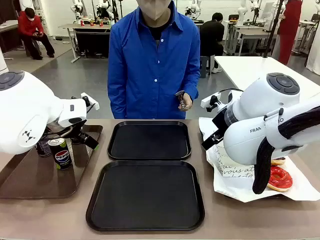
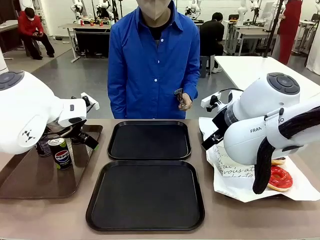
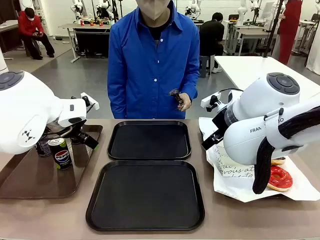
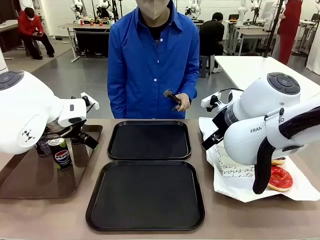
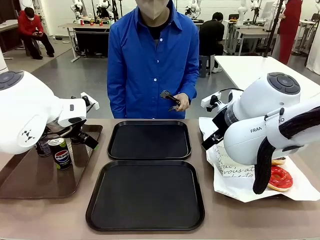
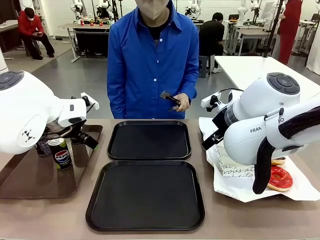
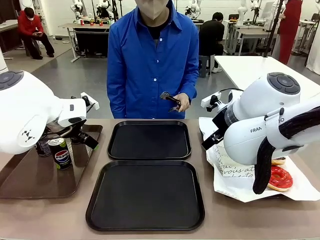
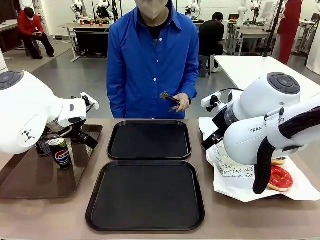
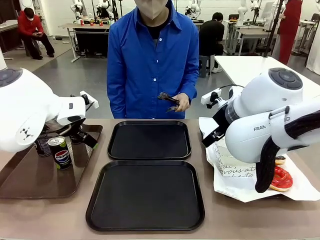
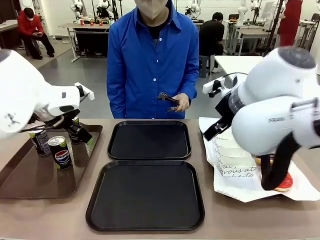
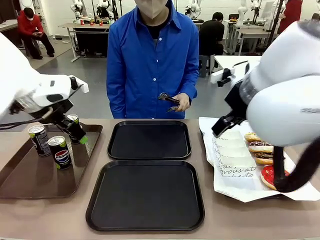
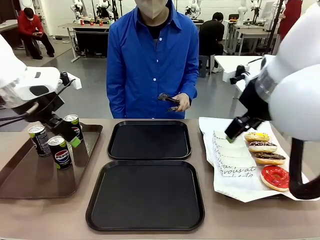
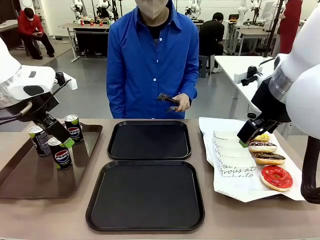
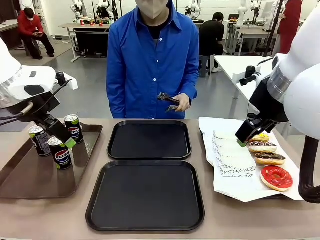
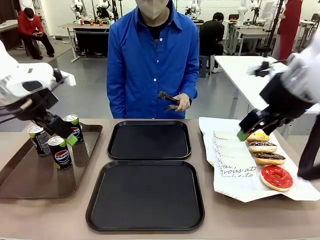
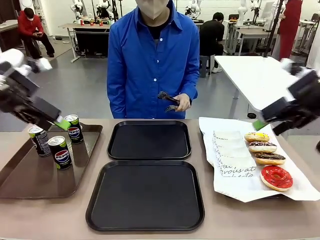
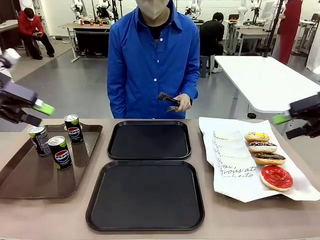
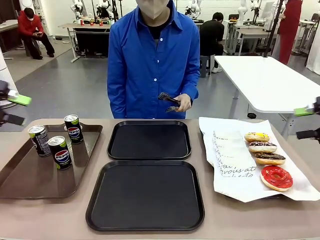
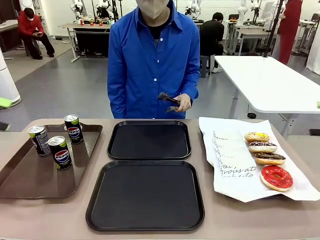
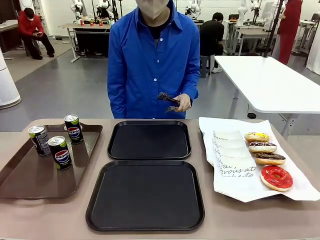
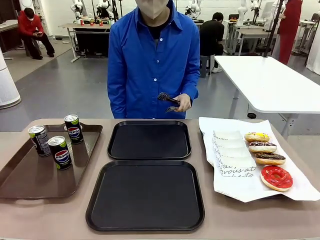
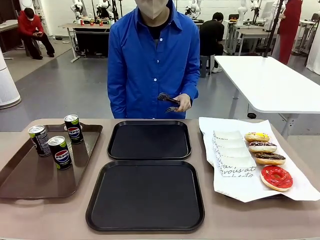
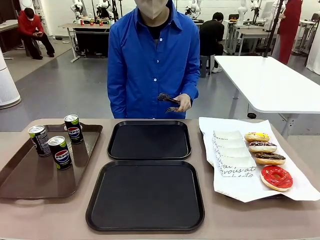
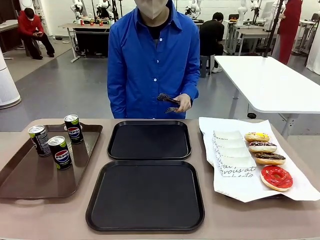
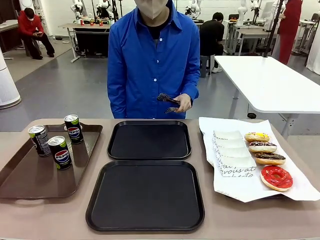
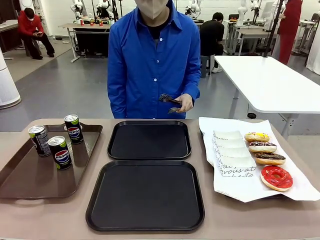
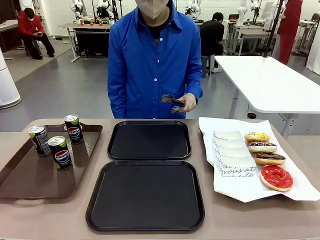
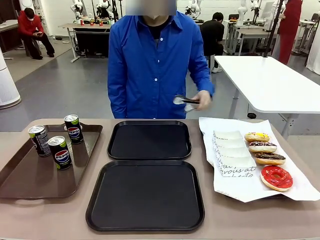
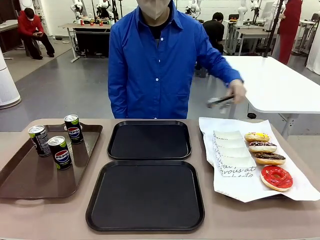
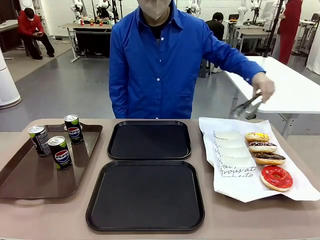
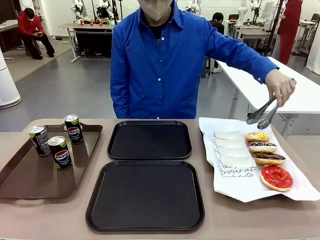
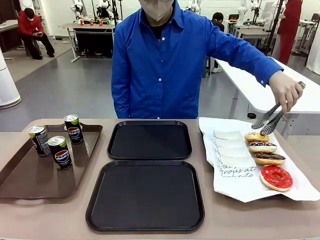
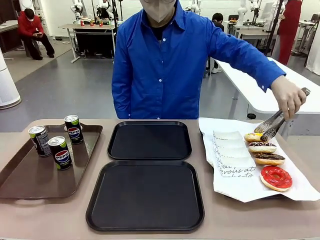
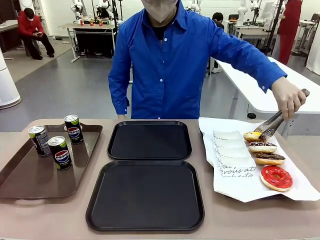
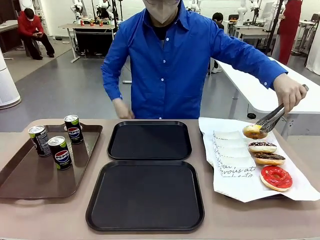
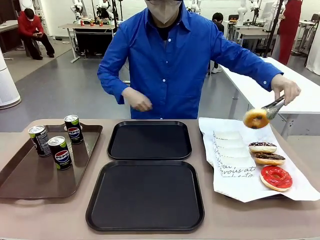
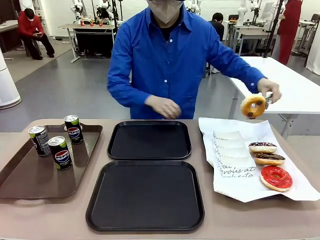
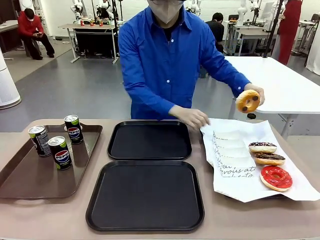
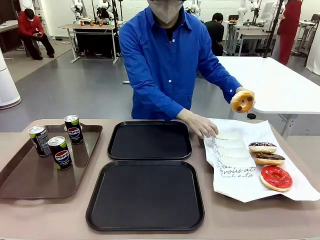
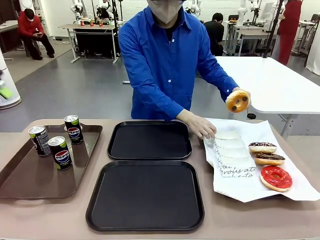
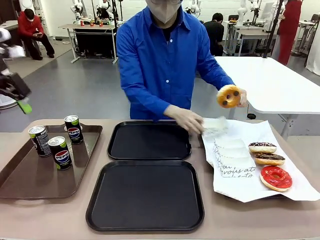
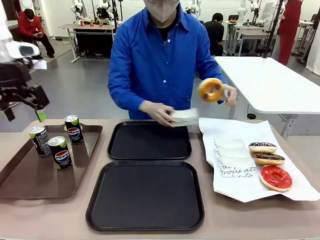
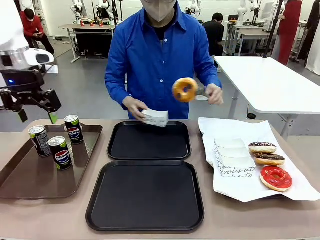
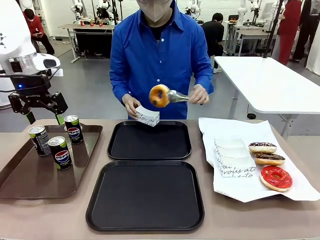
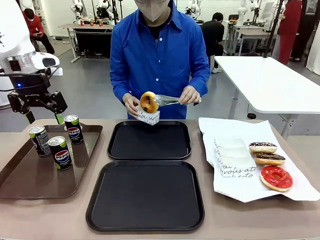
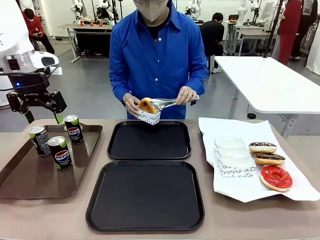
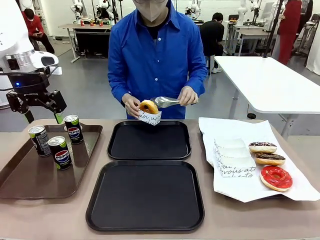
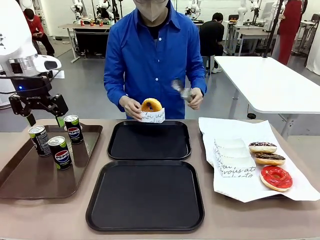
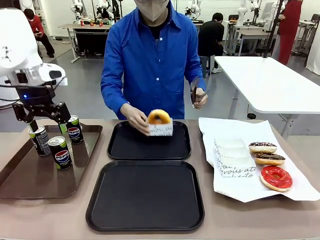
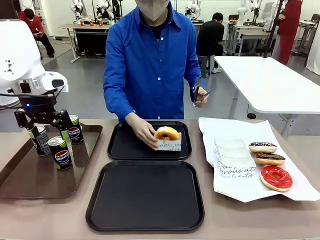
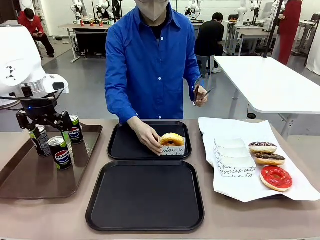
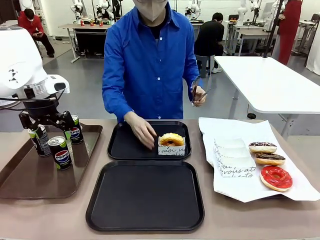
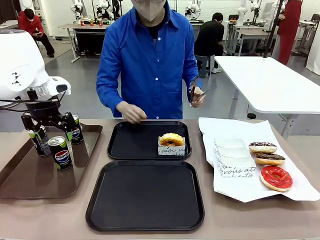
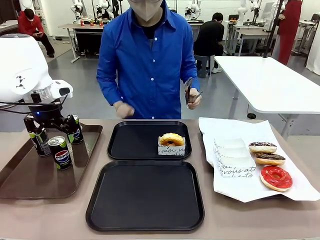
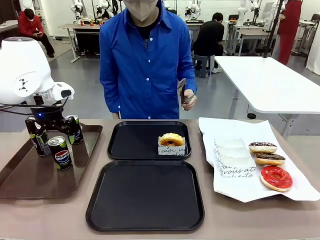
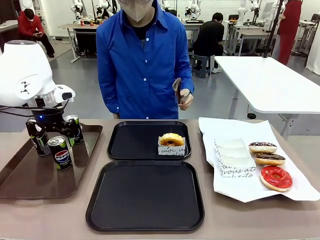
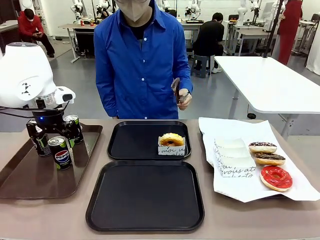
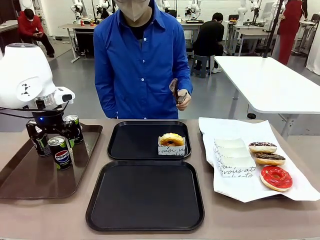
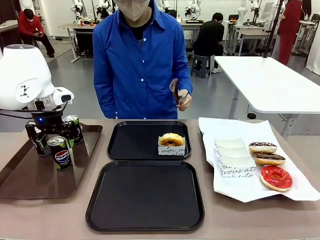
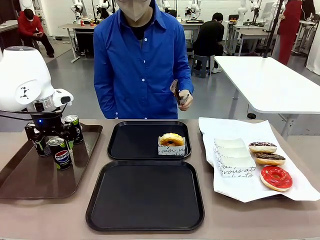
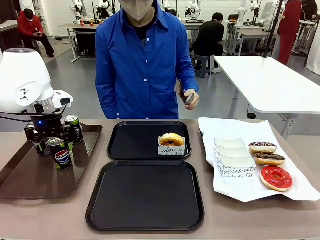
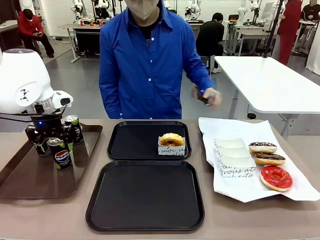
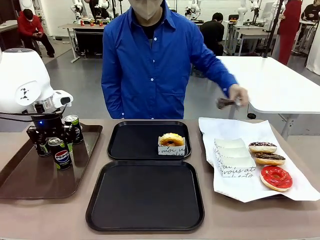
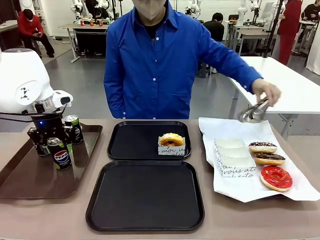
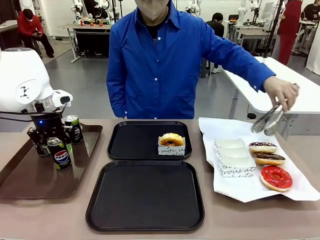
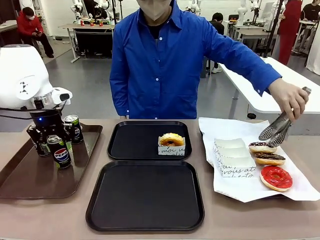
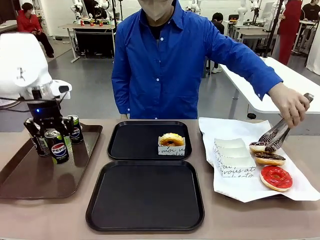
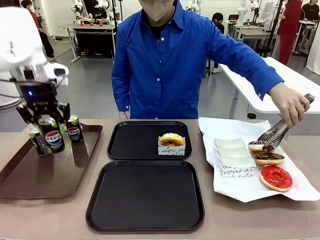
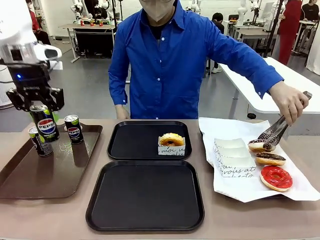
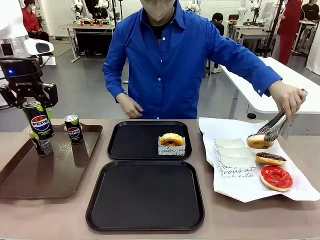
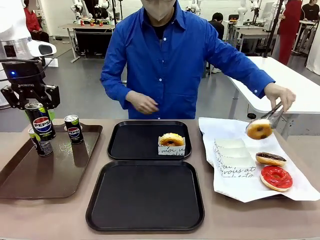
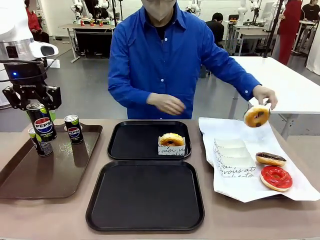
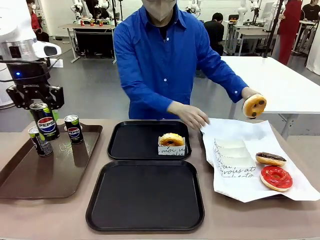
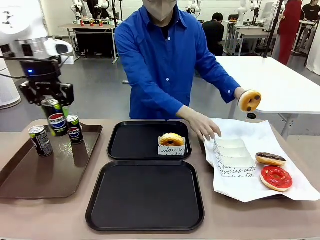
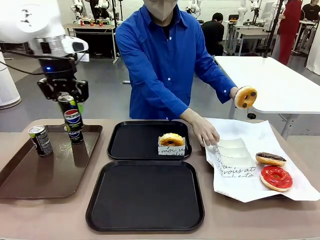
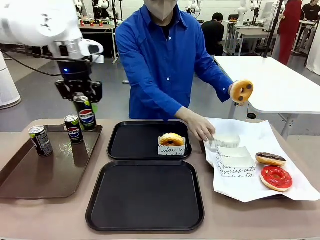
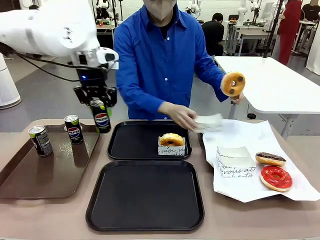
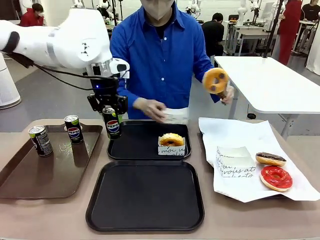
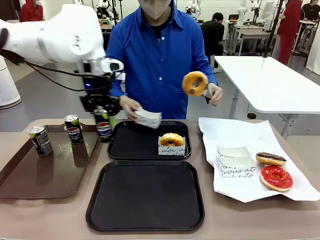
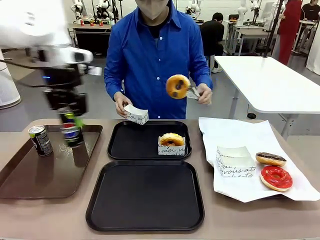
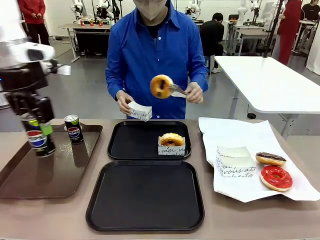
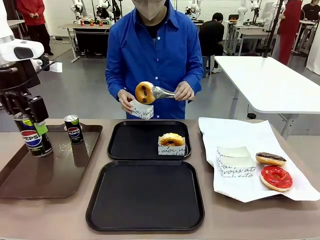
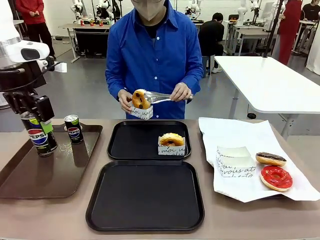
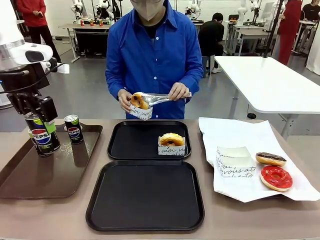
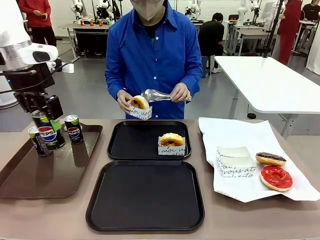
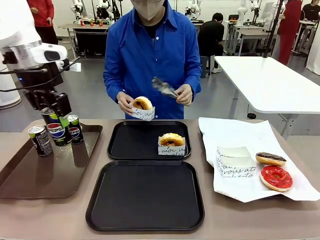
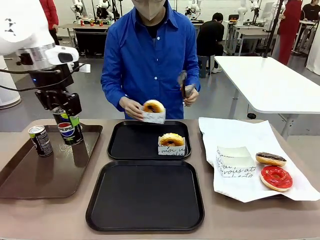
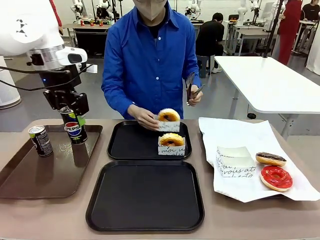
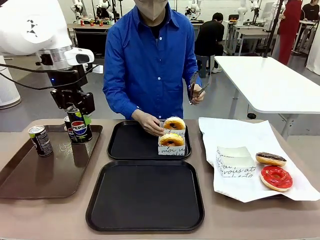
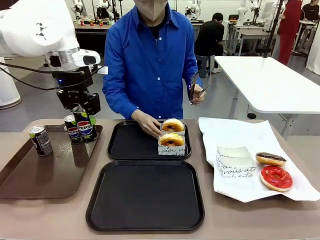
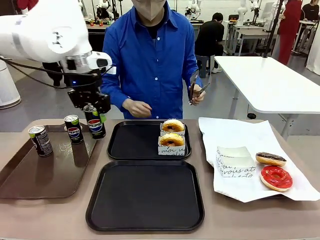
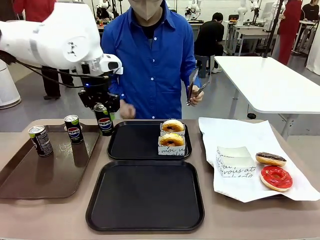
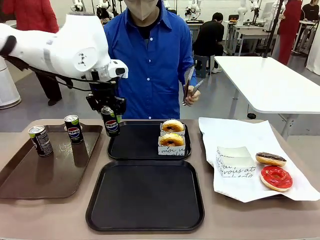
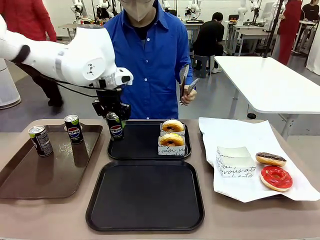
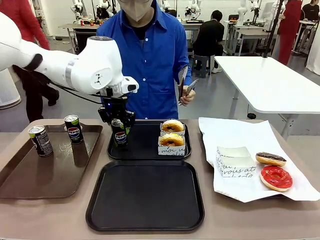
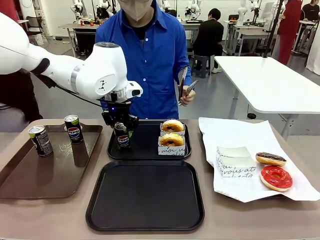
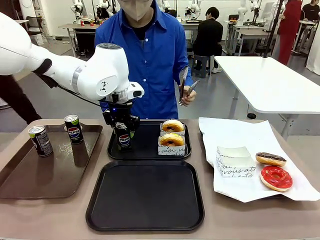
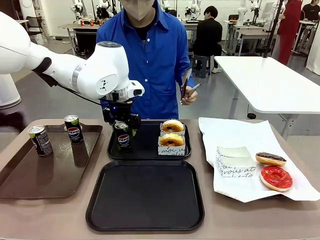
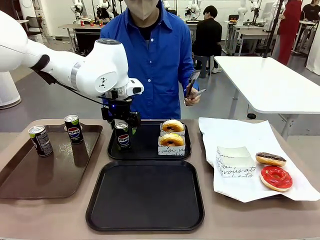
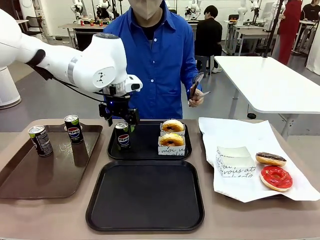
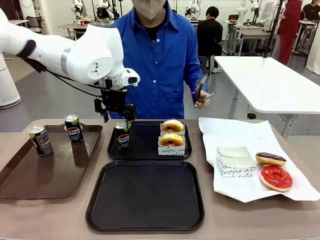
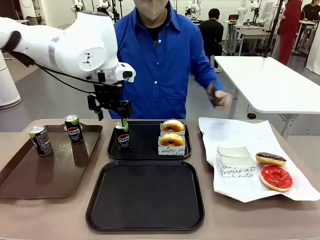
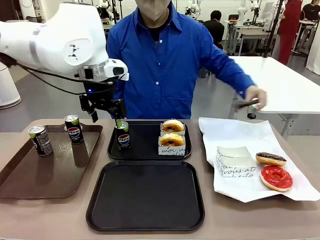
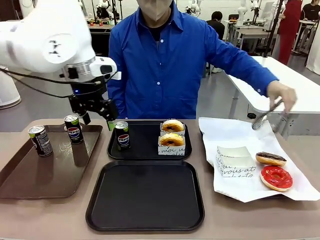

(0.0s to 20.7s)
Task: Set up donuts and drinks on trays.
Robot: Pick up one Pepsi coke and place it on the Flat Tray.
Person: Pick up one donut with tongs, place it in the donut tray, and then place the donut tray on the flat tray.
